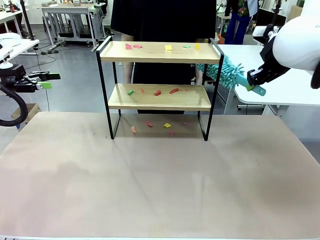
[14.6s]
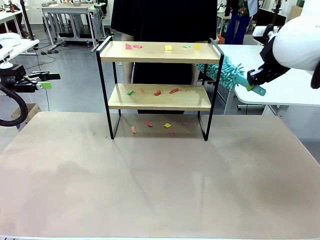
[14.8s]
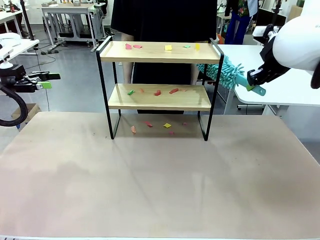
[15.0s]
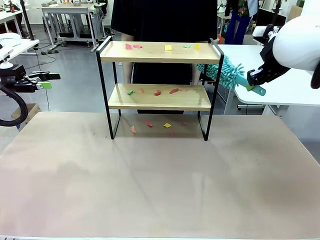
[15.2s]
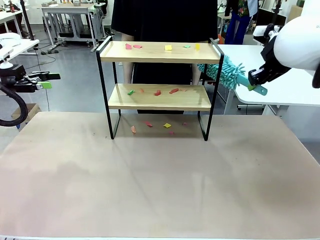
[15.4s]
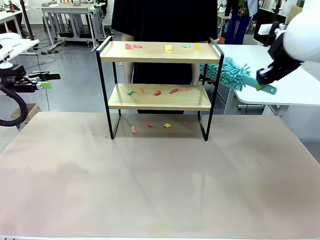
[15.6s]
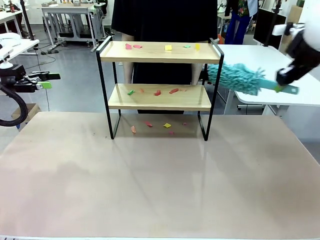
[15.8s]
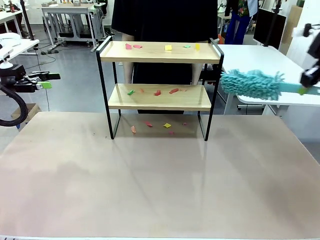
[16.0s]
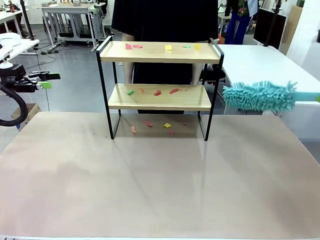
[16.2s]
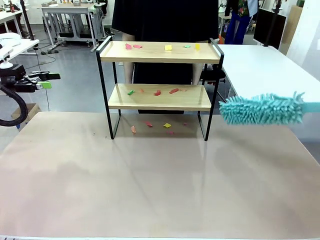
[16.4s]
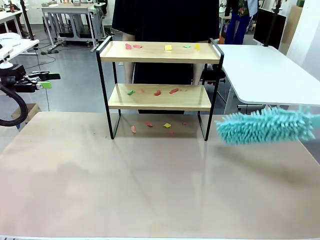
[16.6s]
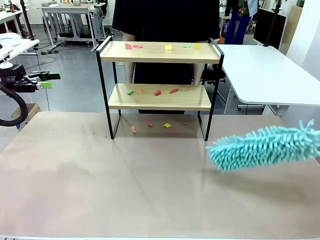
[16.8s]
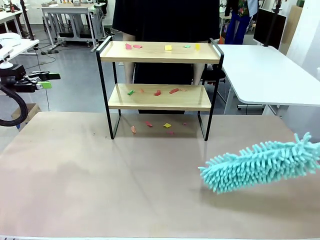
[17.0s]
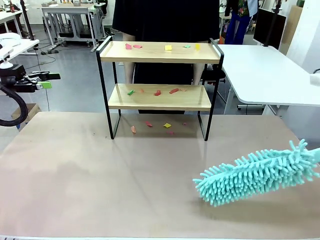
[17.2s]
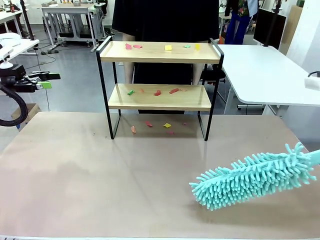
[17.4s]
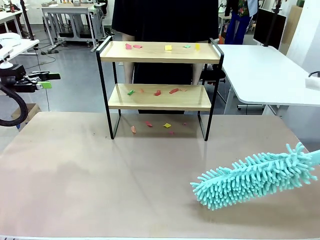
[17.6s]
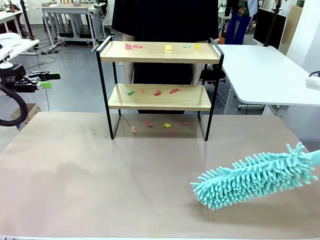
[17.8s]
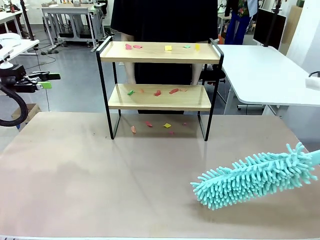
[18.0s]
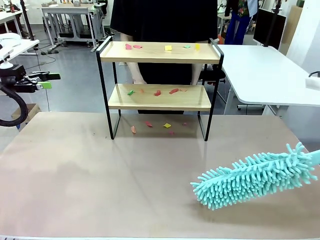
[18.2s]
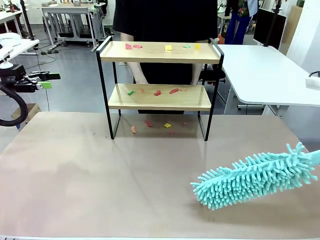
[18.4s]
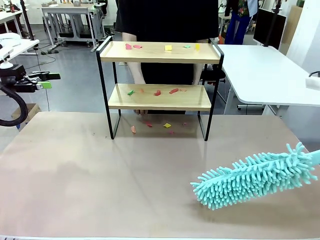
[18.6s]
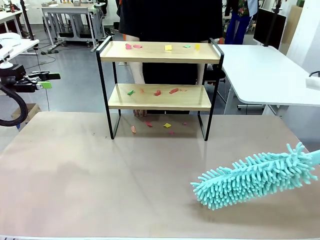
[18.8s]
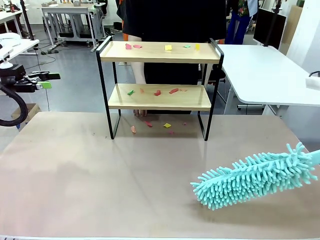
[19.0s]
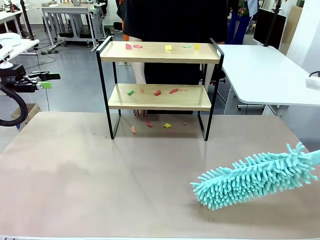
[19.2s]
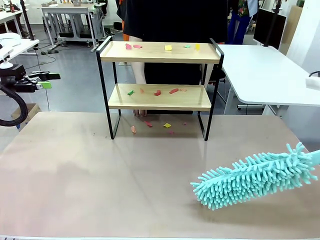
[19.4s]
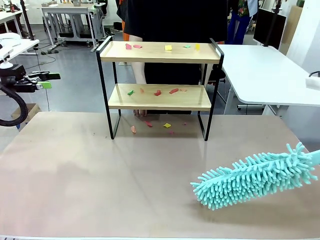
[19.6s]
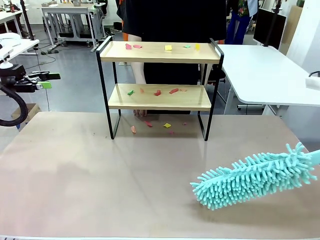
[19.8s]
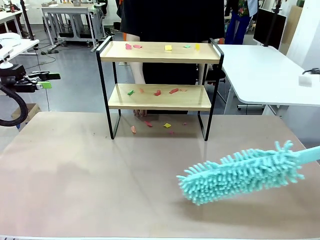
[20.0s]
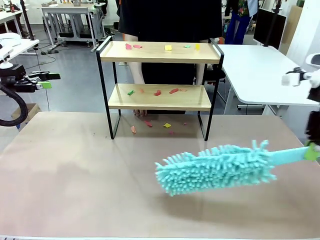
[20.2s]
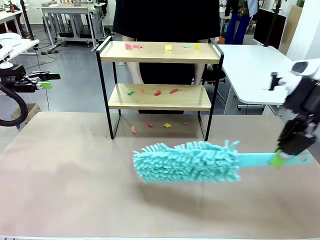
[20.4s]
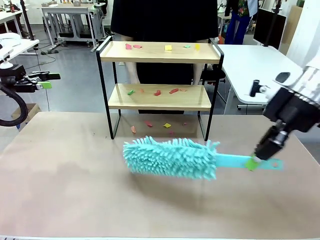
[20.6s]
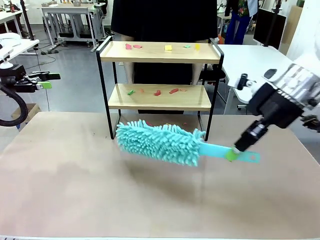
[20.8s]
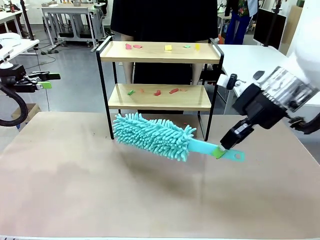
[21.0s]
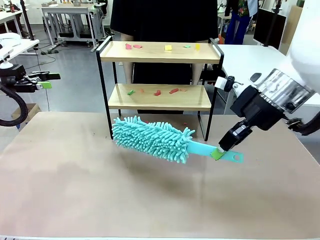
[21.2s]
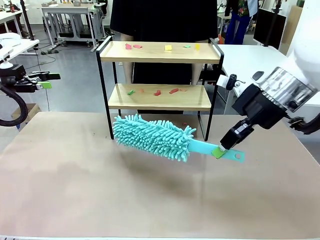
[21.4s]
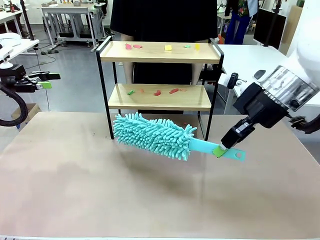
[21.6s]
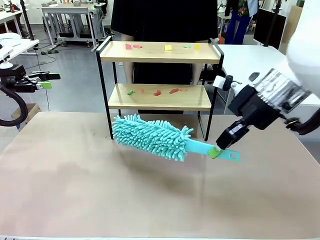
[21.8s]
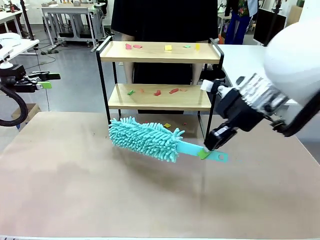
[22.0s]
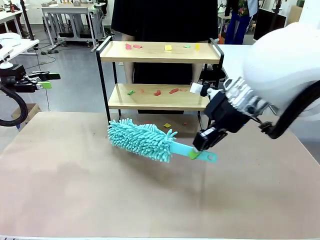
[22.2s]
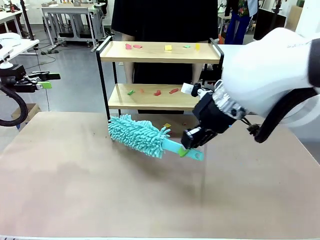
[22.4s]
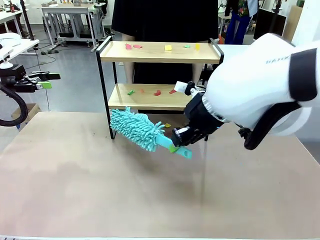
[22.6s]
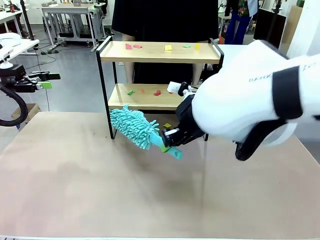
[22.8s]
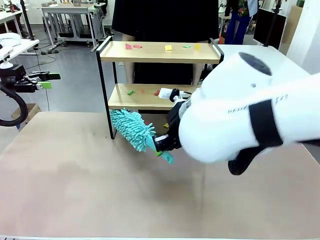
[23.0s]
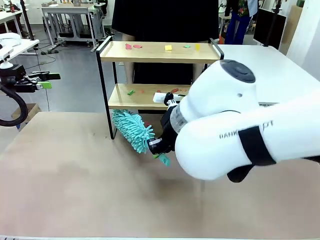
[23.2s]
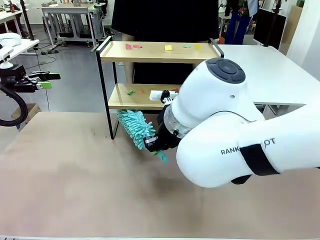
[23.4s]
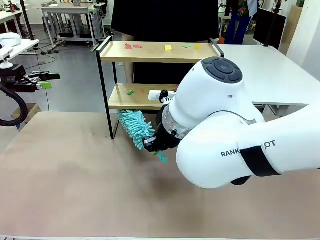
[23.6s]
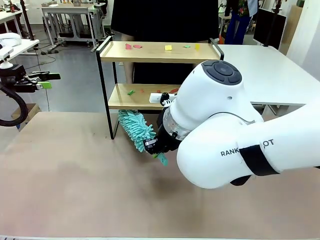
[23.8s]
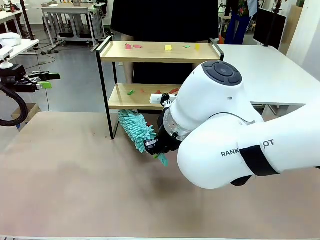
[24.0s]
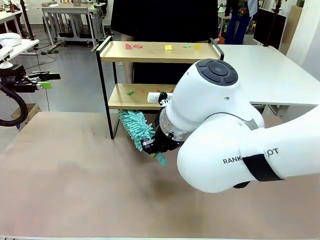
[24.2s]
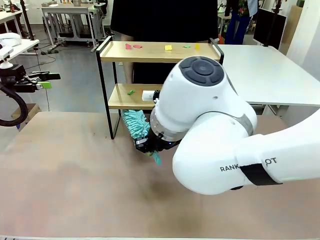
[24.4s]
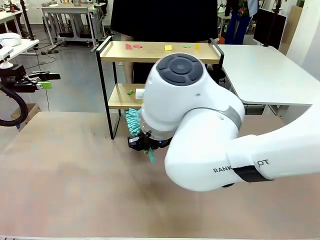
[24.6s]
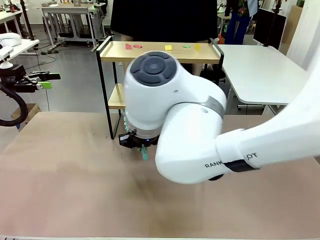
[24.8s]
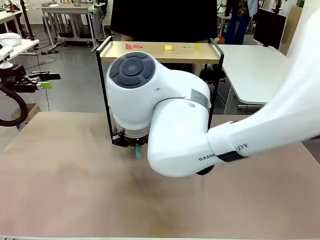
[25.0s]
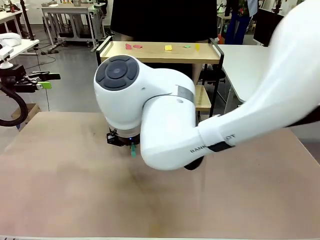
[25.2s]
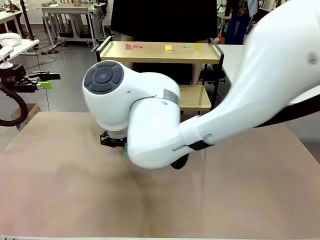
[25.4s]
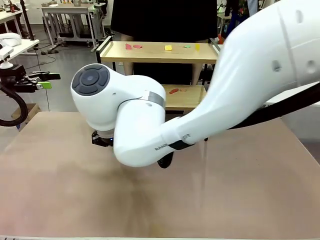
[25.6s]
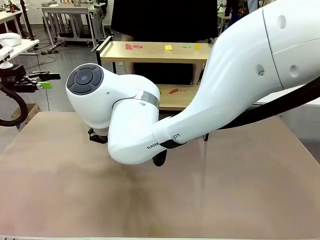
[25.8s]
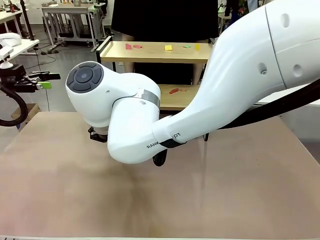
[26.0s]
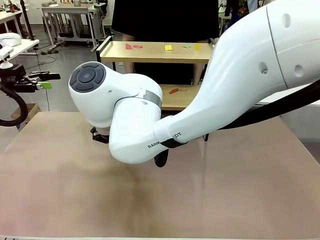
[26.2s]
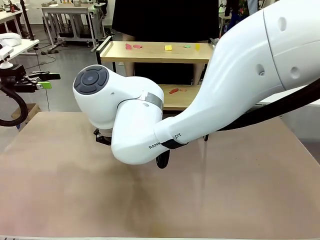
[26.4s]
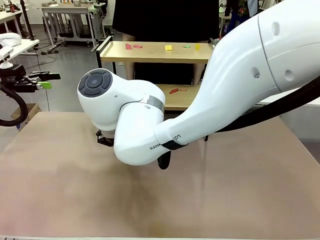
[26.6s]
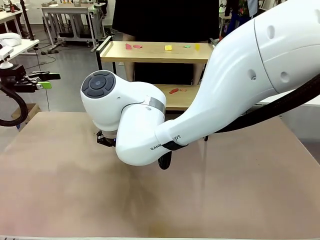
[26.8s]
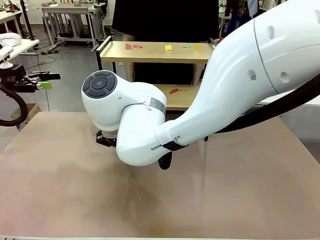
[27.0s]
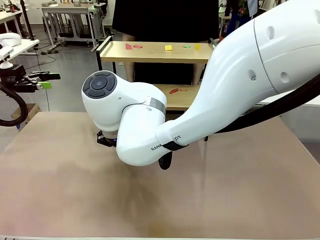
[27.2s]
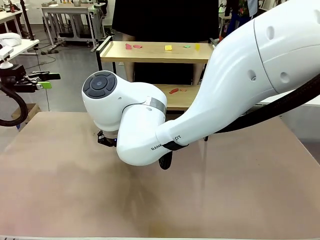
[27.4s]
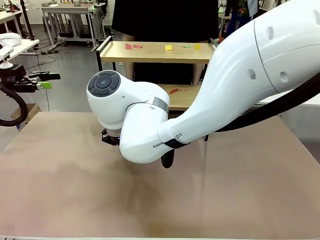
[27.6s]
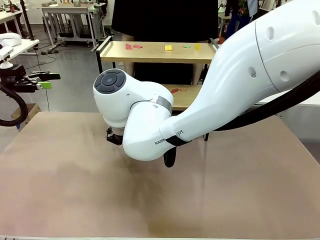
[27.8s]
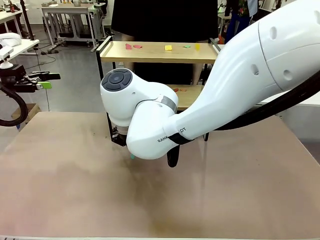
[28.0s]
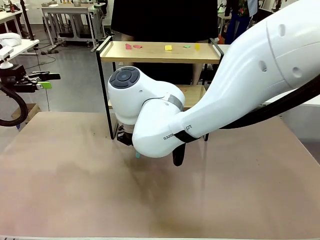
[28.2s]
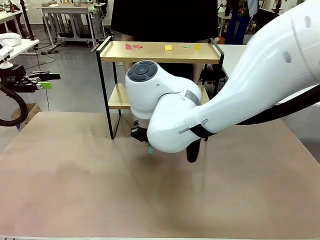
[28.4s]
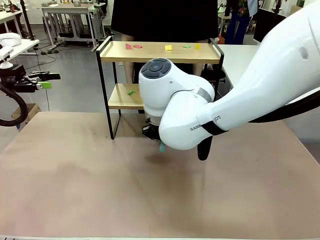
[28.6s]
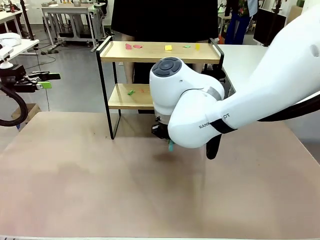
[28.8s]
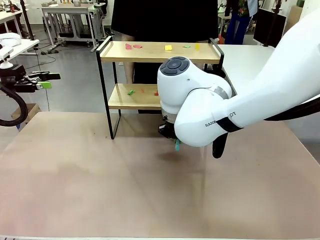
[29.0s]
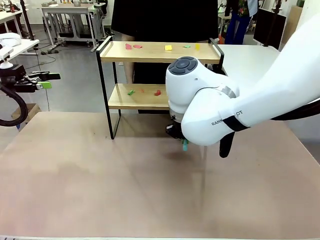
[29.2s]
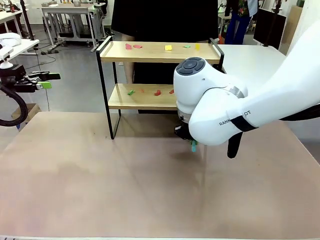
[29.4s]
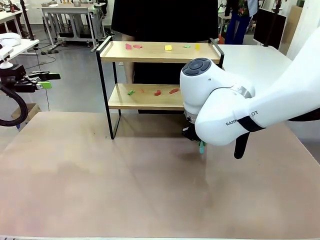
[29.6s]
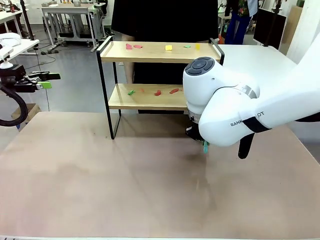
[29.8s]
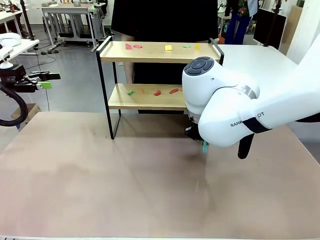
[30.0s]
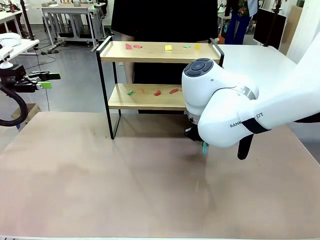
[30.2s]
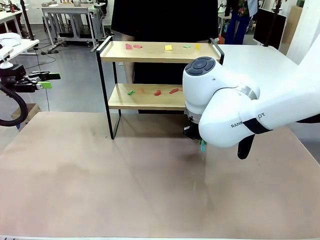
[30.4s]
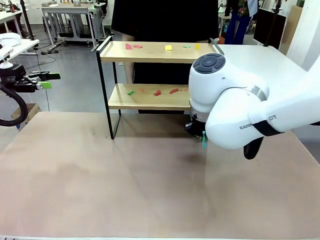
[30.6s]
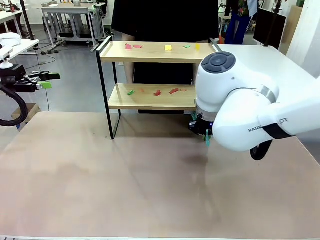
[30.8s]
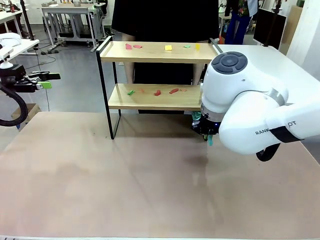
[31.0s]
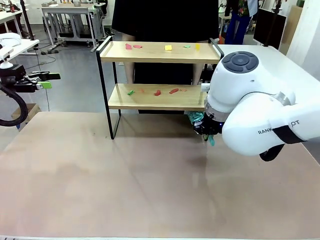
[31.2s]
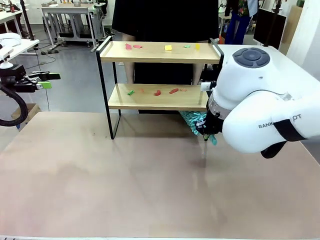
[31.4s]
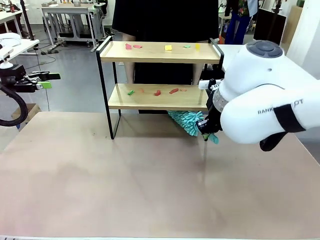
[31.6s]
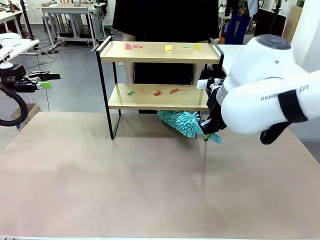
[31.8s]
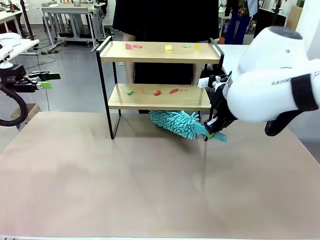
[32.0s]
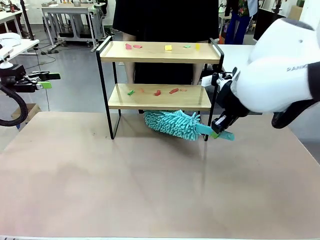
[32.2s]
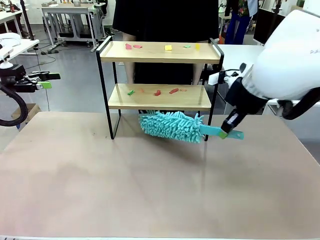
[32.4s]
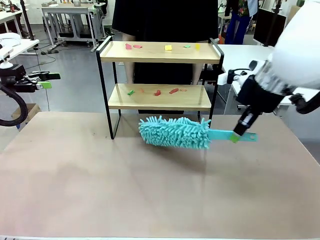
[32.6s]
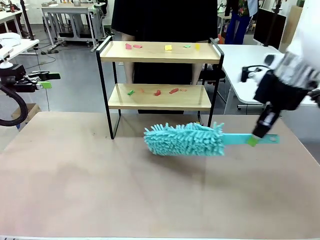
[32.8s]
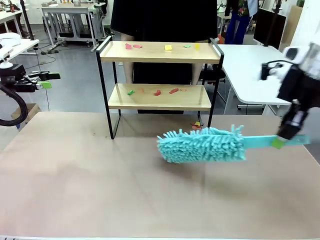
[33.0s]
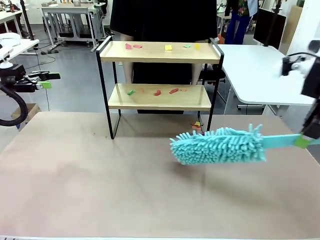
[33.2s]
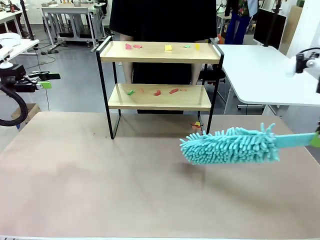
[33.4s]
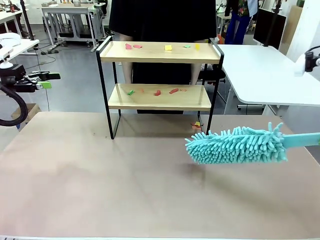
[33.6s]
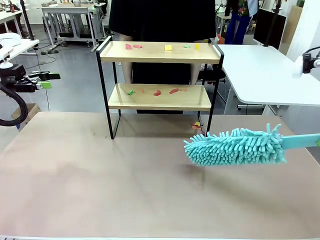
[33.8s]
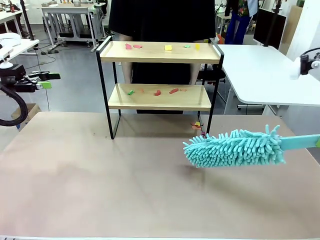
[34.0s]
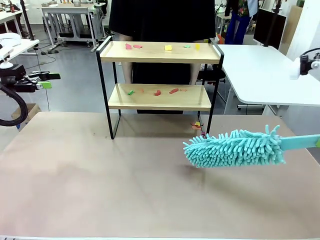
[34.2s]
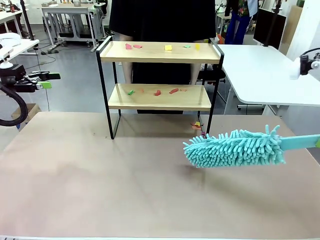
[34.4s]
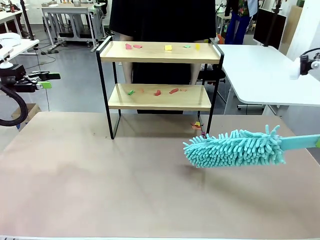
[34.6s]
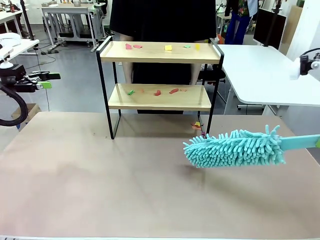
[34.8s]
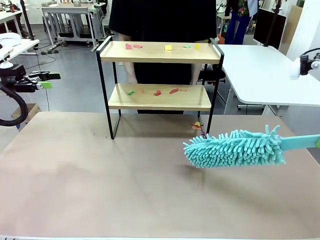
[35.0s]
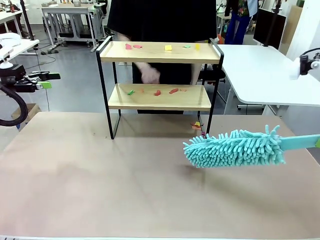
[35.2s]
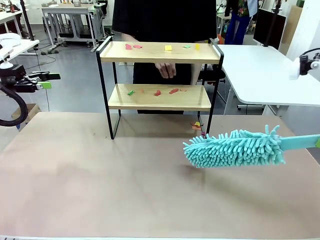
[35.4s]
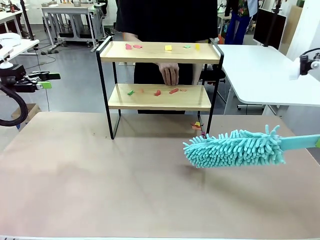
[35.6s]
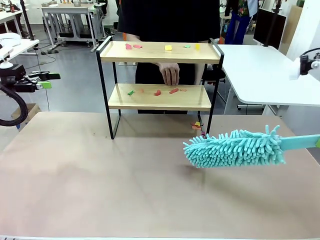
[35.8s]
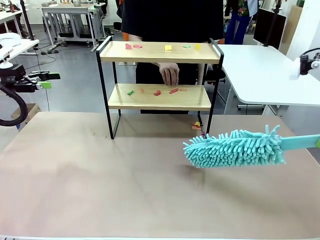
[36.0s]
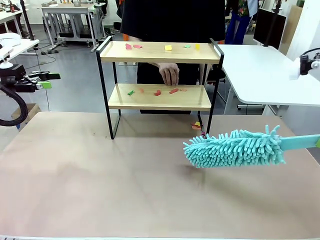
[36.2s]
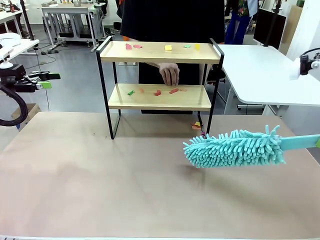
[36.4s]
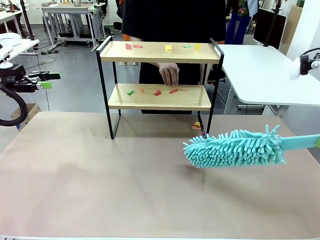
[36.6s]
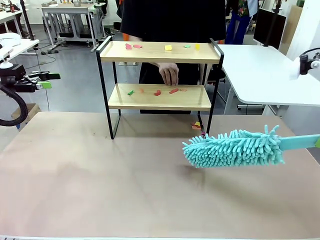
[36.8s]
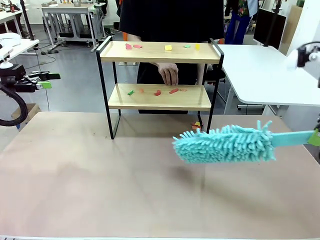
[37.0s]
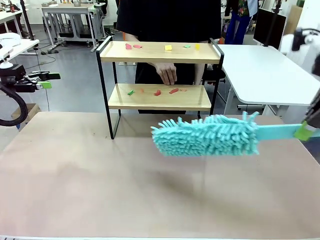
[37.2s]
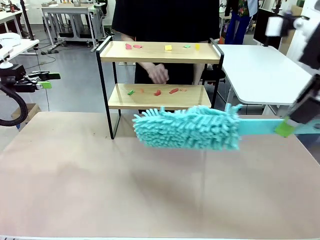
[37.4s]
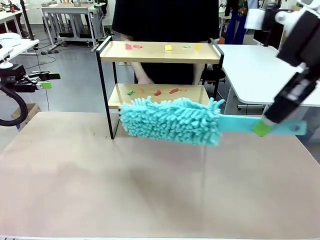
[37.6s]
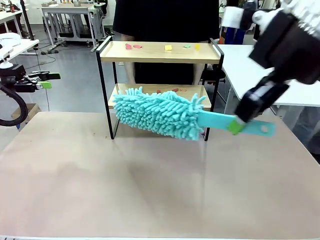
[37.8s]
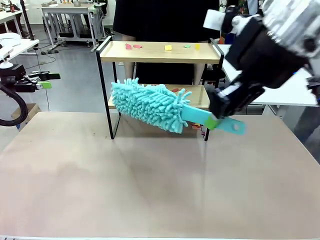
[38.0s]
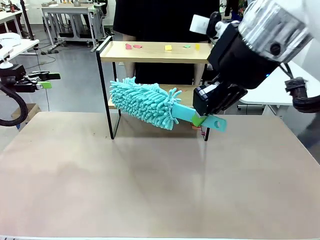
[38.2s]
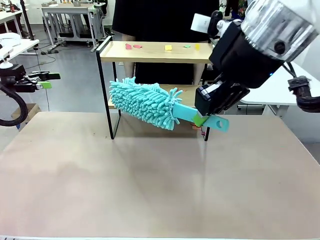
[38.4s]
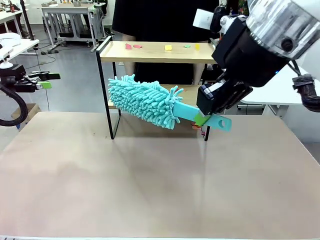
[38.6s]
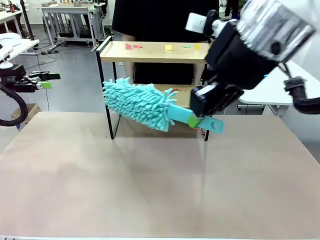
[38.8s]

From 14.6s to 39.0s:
Task: Clean the shelf.
Robot: Clean the specific section of the Shelf indicated by the human with the Duster.
Person: Point a random section of the Shelf.
